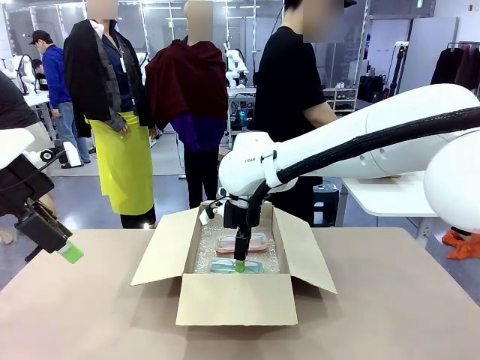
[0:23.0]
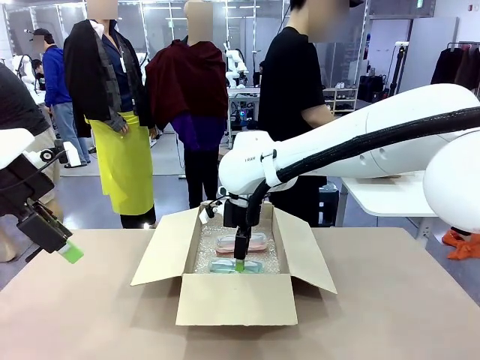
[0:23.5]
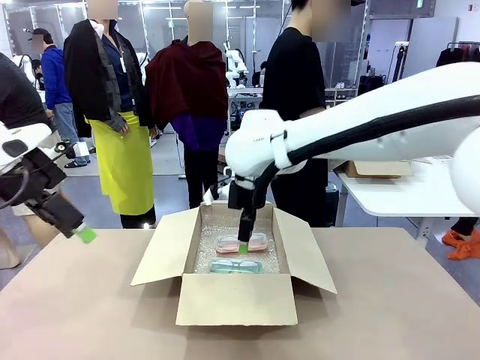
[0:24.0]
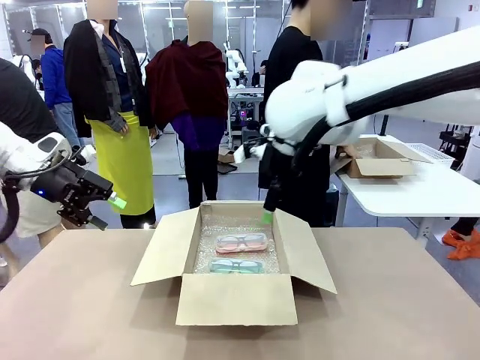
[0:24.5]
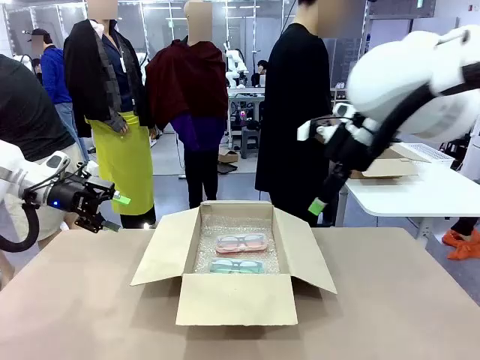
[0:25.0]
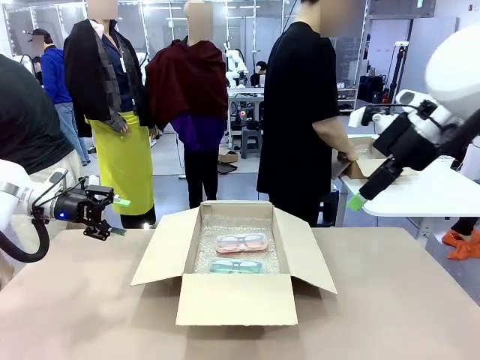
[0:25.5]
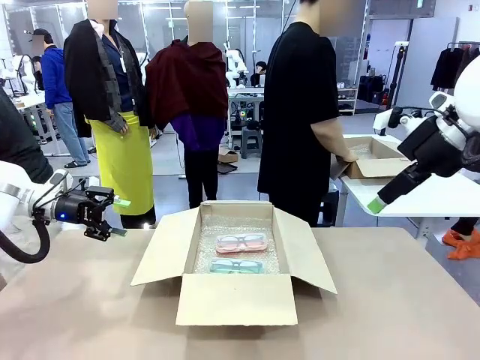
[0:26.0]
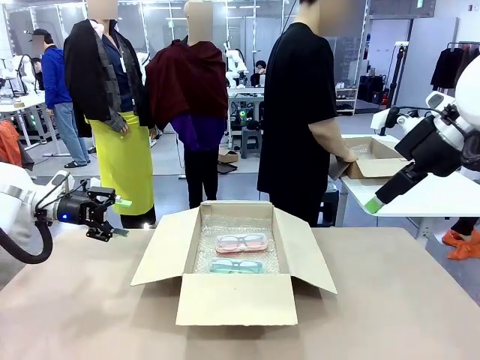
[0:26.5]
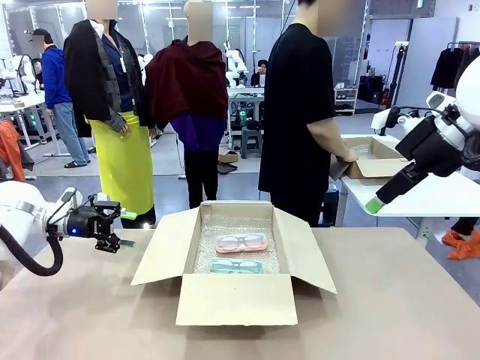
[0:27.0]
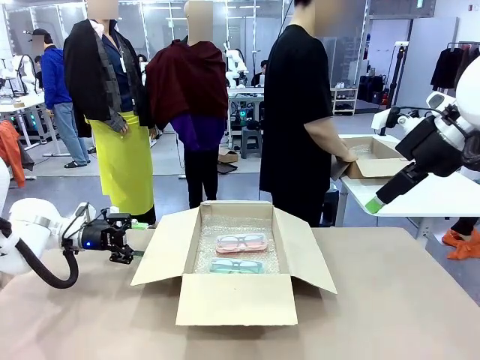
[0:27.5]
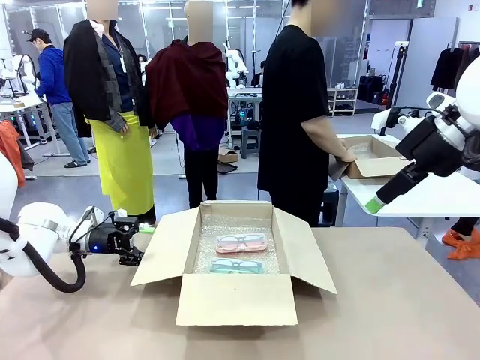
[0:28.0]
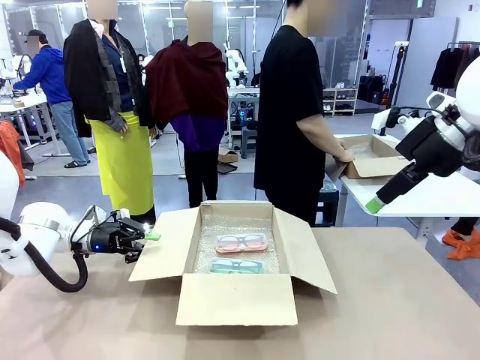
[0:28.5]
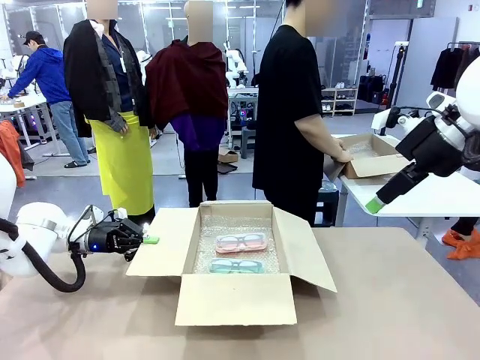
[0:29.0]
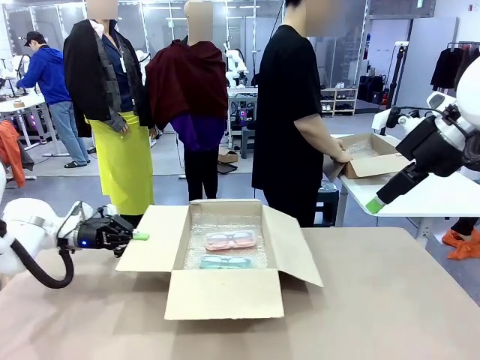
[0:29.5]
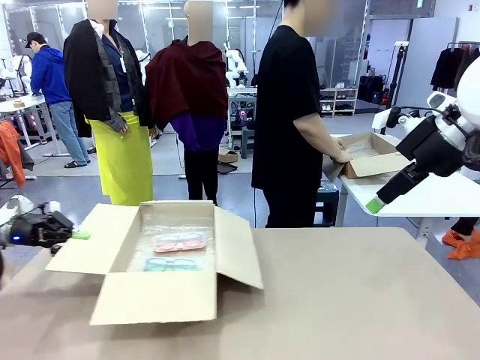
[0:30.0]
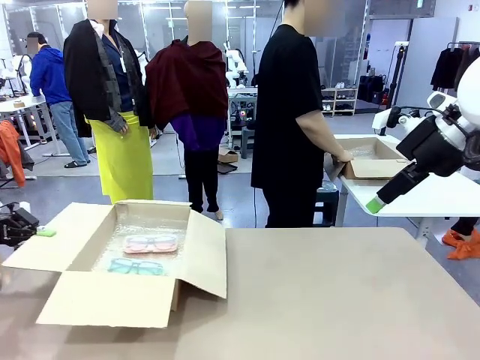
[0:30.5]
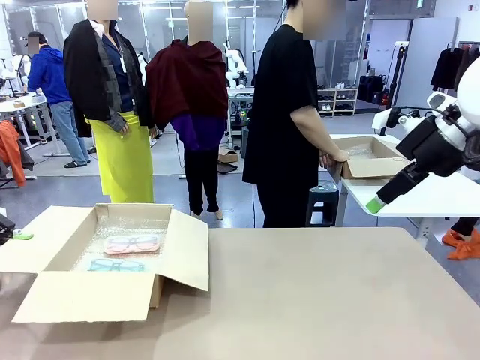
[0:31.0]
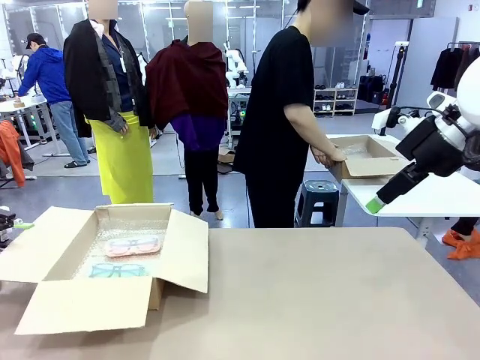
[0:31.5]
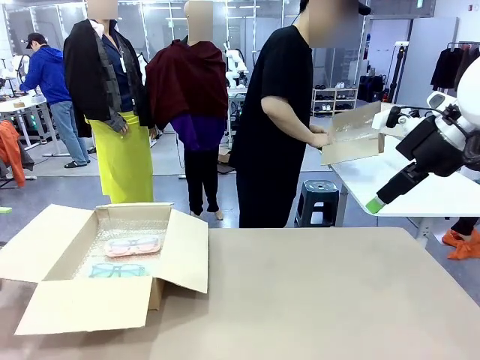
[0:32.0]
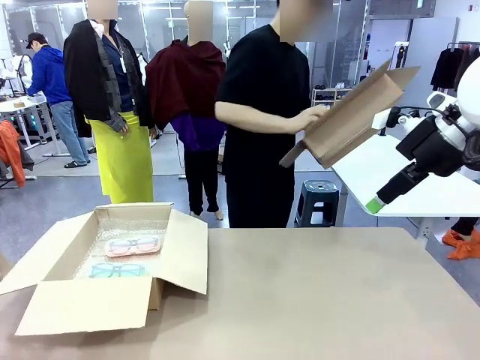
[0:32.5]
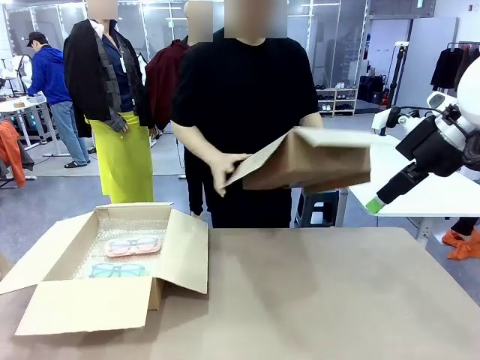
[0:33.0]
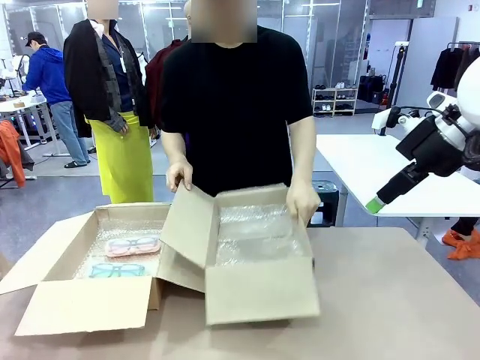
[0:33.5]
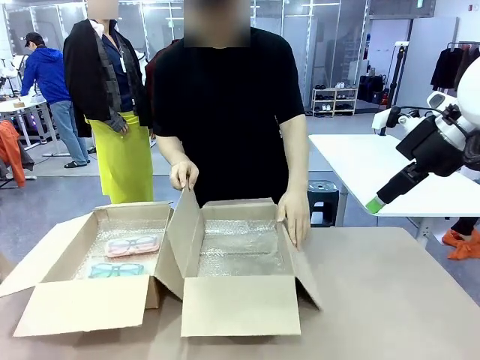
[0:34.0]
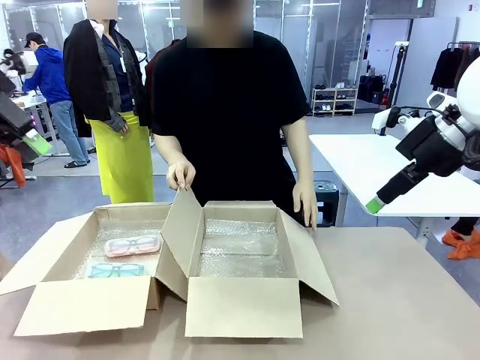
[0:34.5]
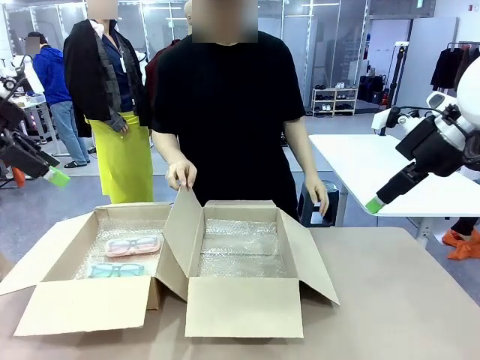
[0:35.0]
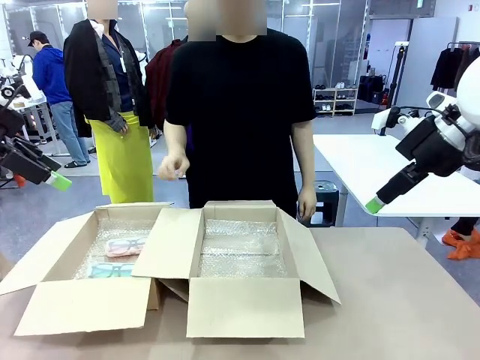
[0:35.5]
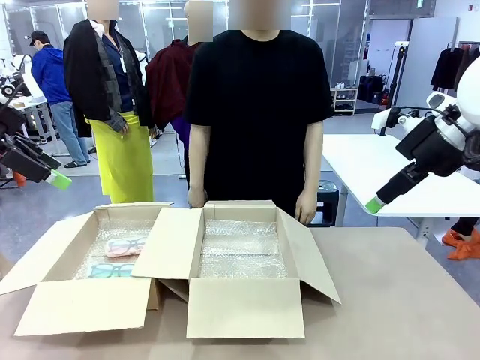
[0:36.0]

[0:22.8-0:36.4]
Task: Pack the glasses set securely to prepare it for shipping.
Robot: Position the Package Box on the left side of the table.
Person: Position the empty Package Box in the middle of the robot's table.

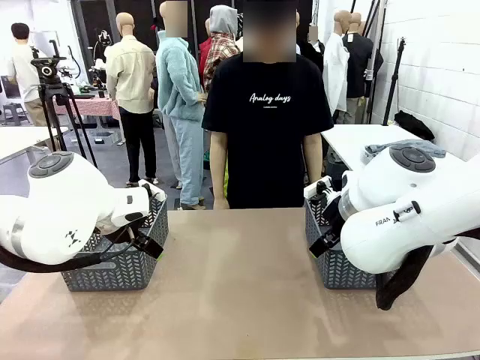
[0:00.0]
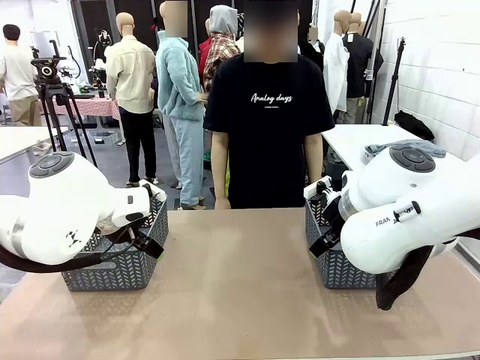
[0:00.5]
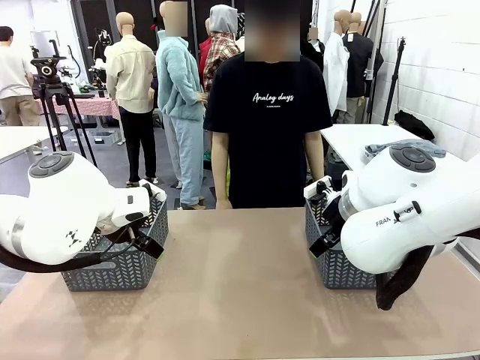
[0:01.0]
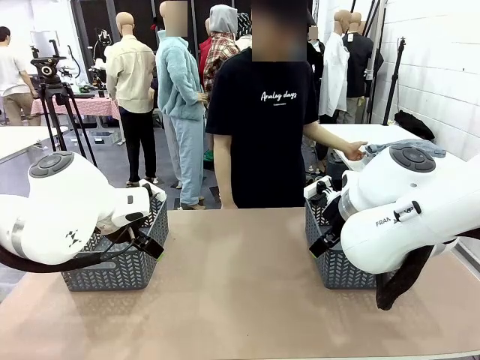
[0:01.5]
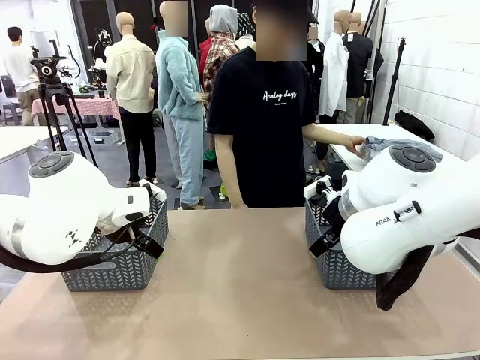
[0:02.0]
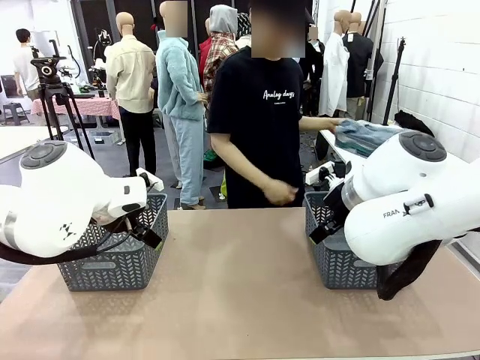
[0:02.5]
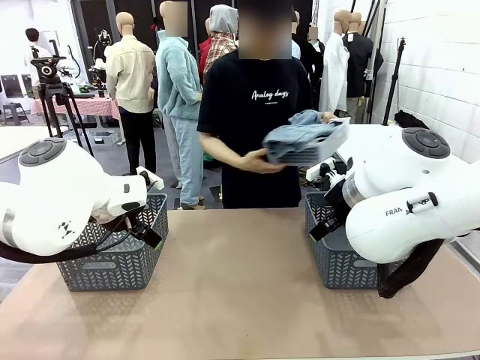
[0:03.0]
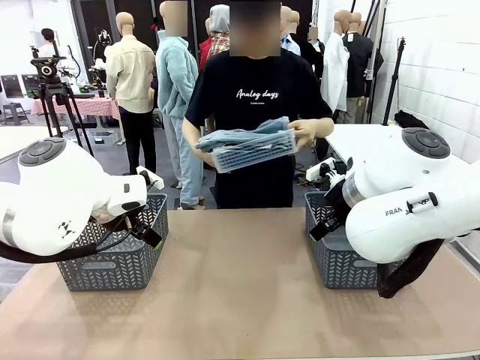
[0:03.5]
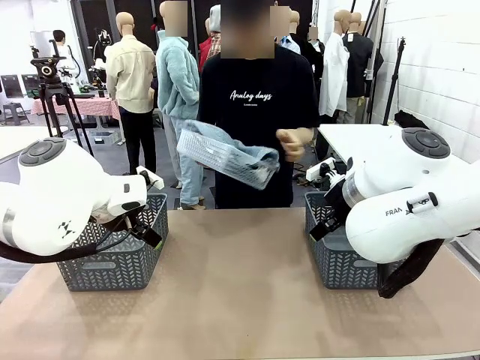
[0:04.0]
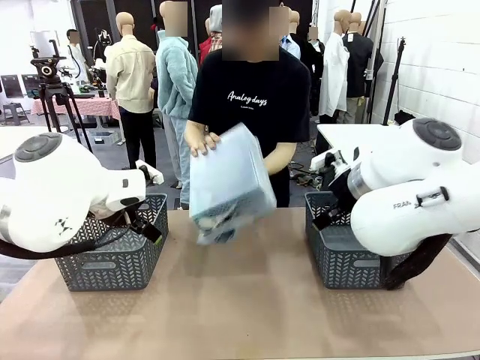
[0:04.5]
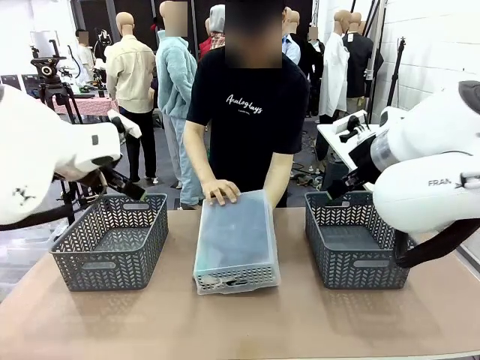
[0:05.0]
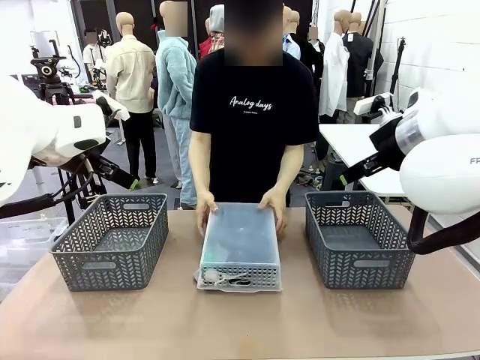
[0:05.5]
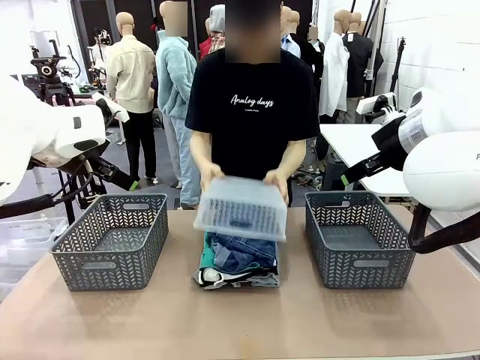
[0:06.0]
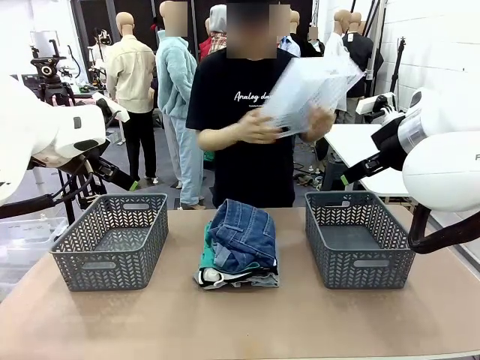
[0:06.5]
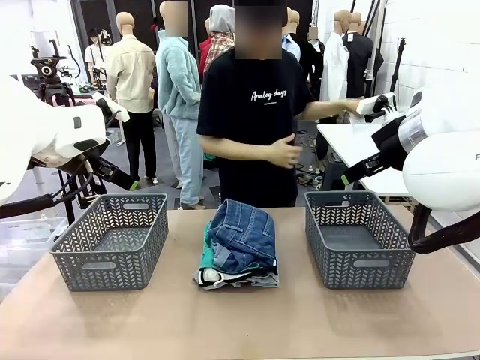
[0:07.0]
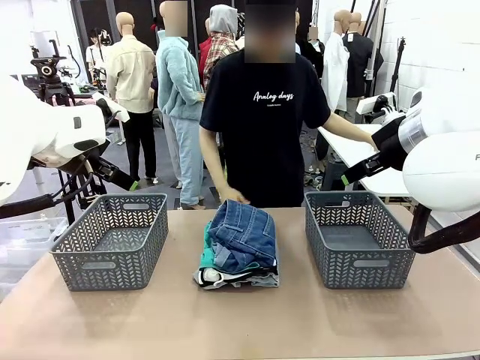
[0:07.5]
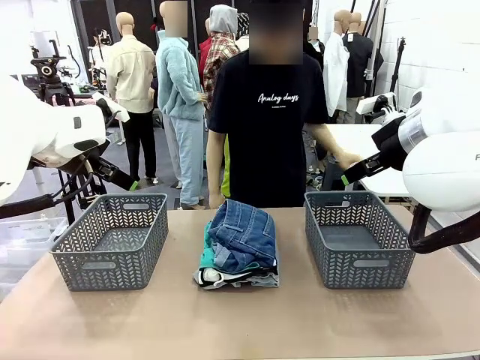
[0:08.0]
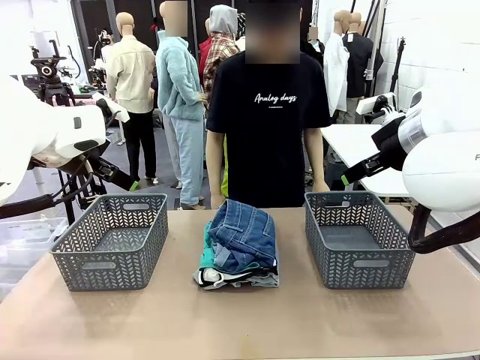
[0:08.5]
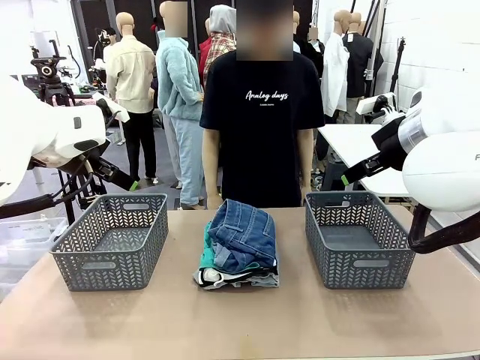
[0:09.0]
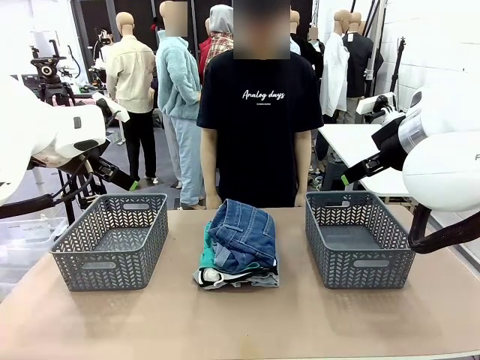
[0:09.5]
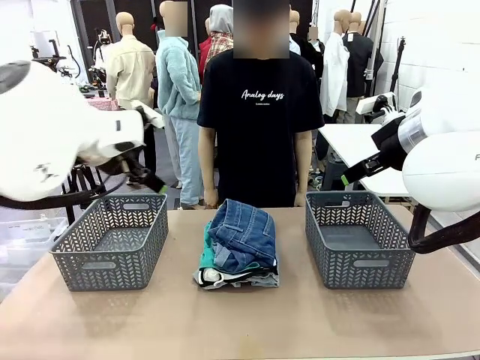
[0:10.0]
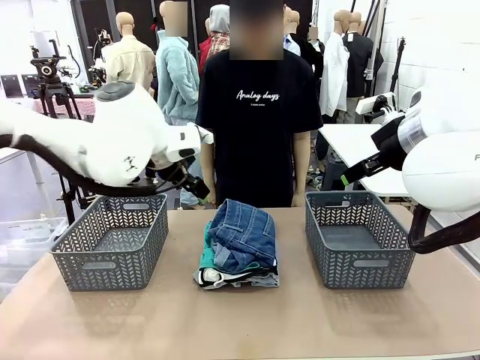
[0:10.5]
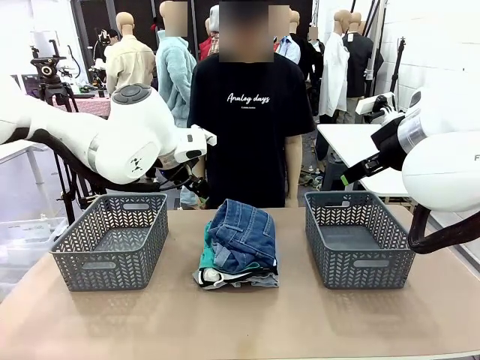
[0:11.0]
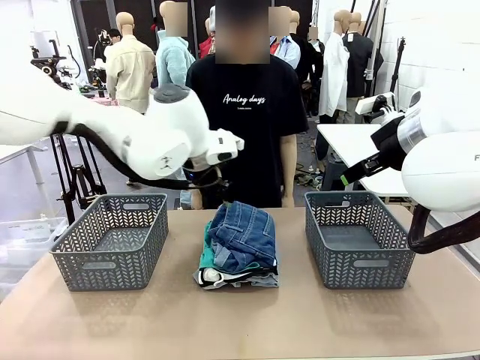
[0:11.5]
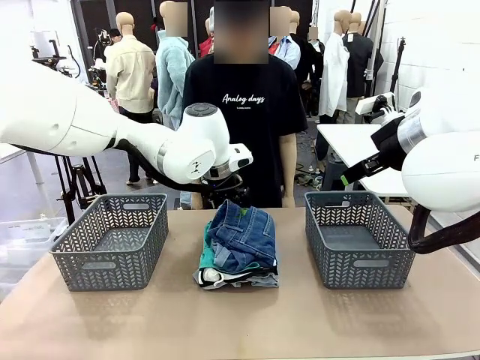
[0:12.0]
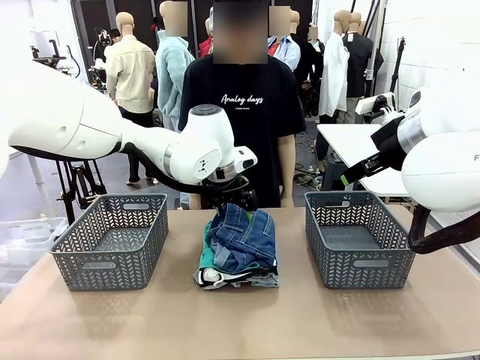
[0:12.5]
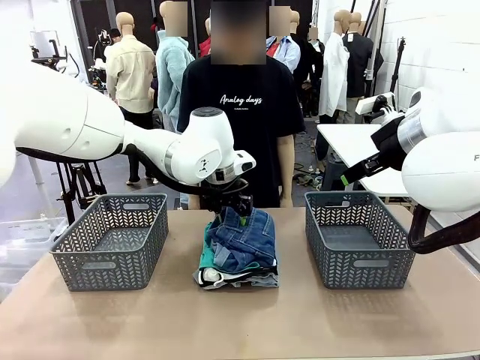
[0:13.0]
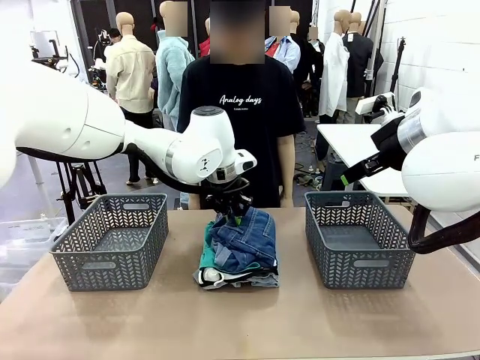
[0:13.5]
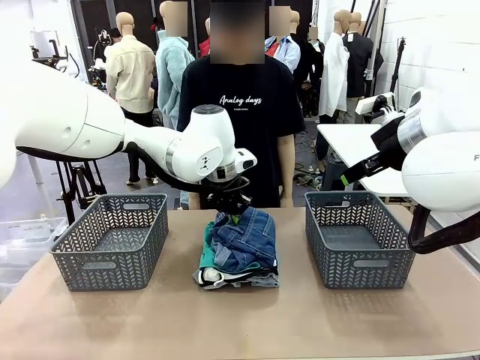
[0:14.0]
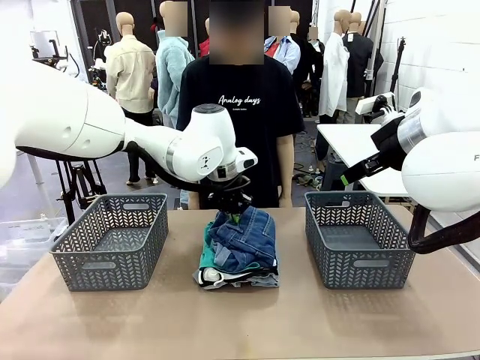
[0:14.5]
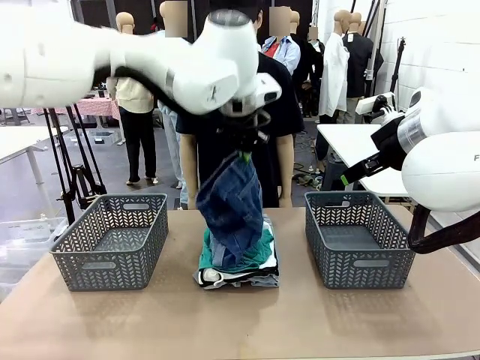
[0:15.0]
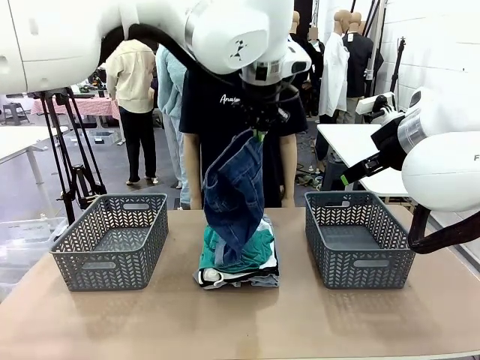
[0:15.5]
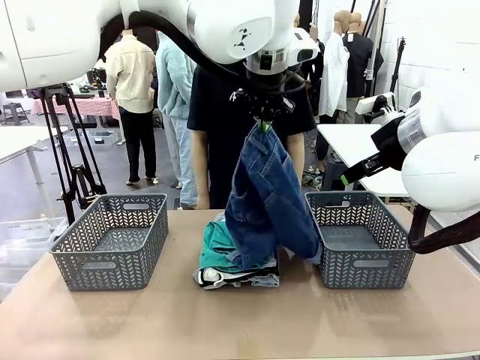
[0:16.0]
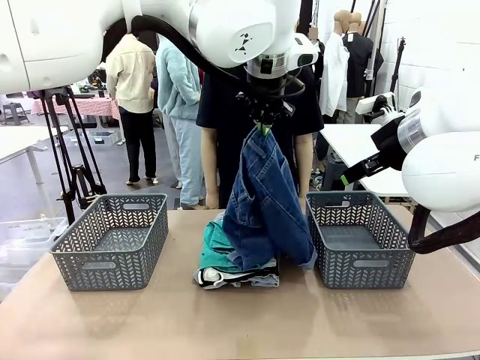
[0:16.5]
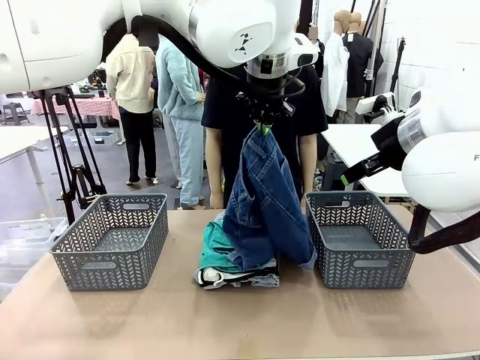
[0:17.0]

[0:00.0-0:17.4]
Task: Sort the tops and bottoms.
Robot: Lift clothes from the center of the table with your left hand.
Person: Pour the clothes from the basket onto the center of the robot table.
